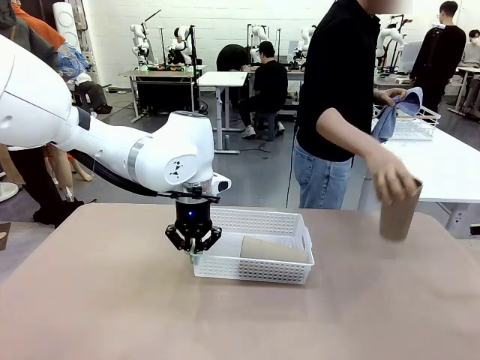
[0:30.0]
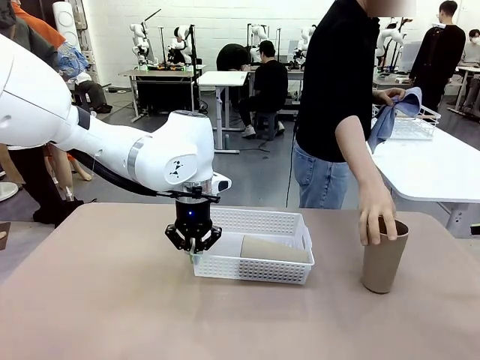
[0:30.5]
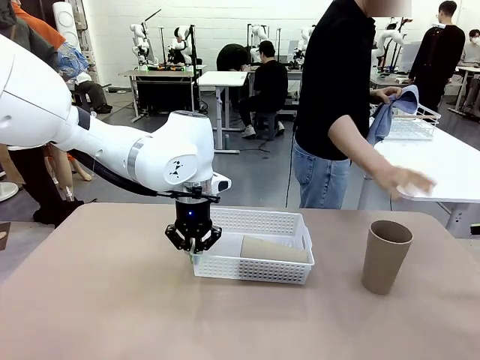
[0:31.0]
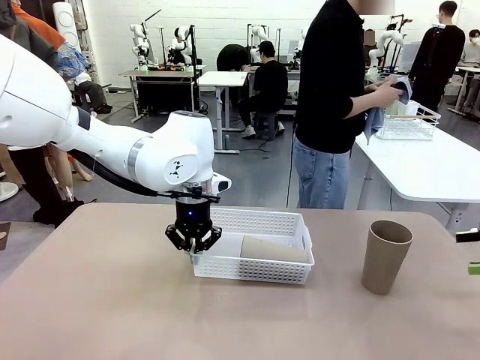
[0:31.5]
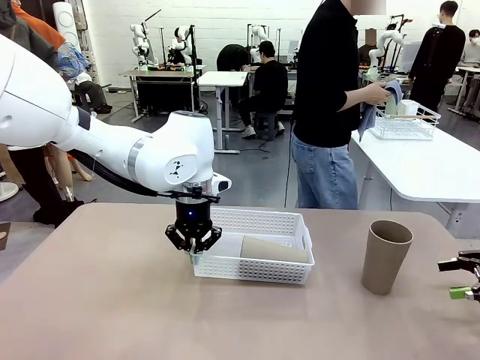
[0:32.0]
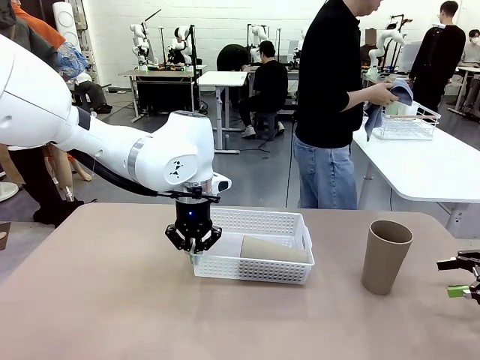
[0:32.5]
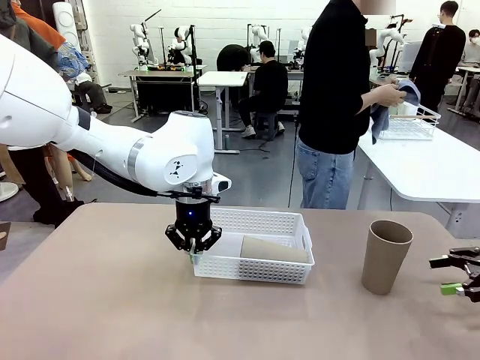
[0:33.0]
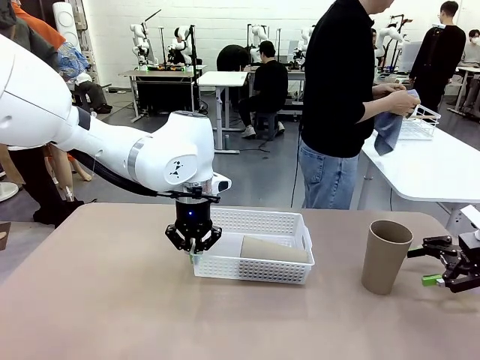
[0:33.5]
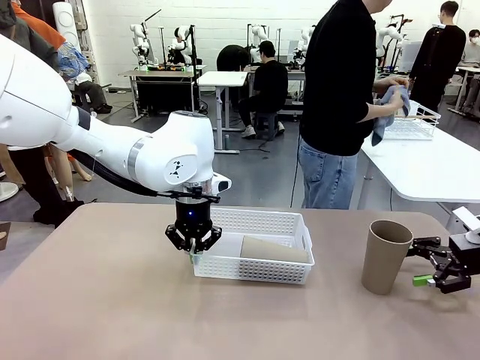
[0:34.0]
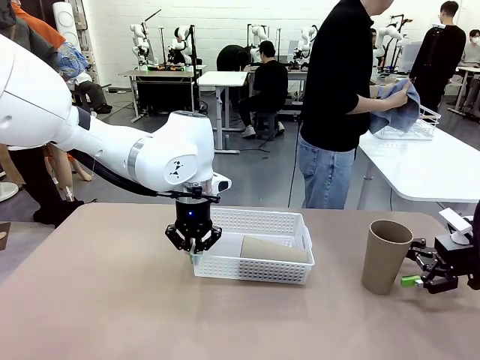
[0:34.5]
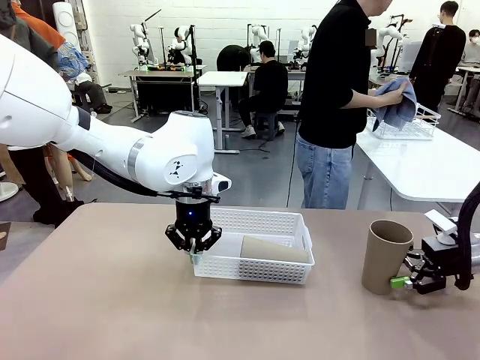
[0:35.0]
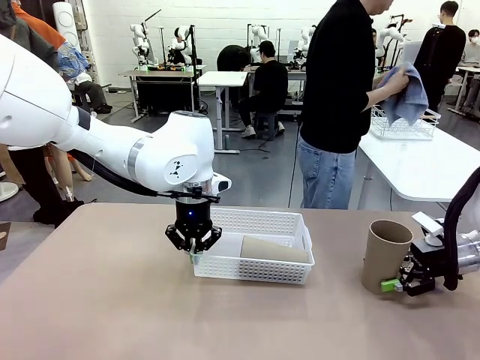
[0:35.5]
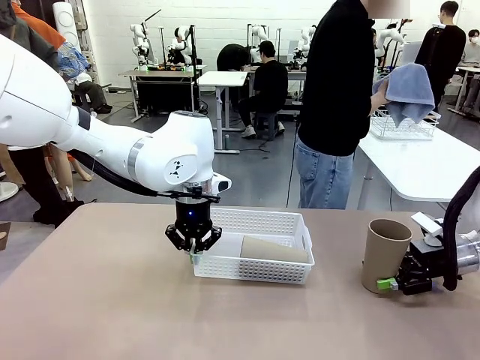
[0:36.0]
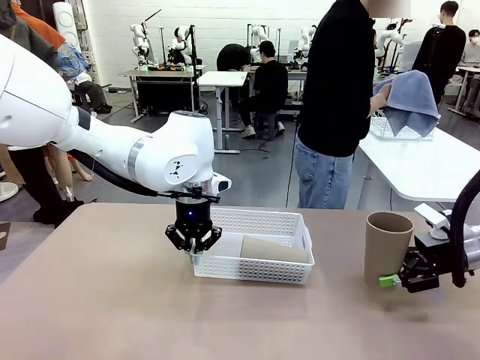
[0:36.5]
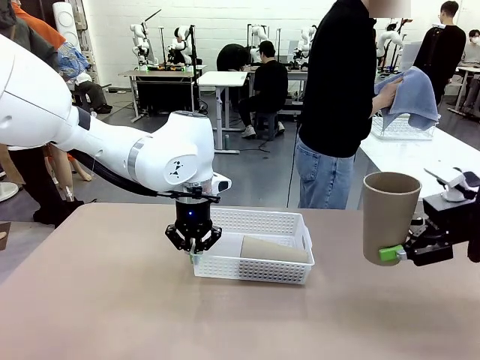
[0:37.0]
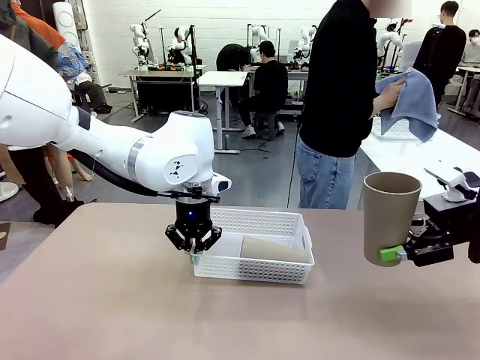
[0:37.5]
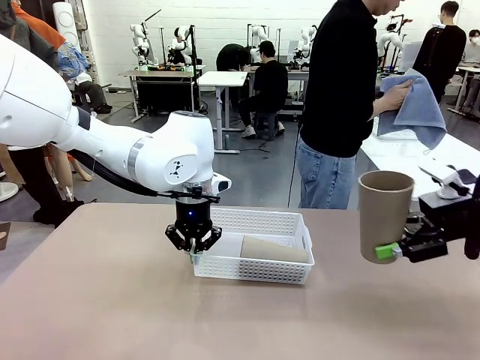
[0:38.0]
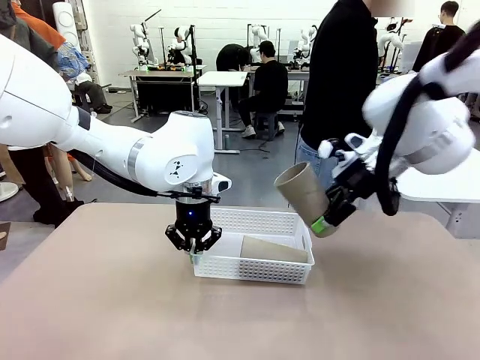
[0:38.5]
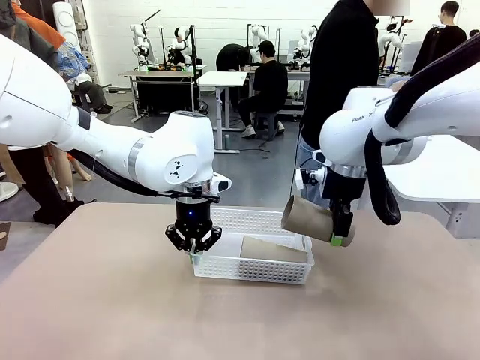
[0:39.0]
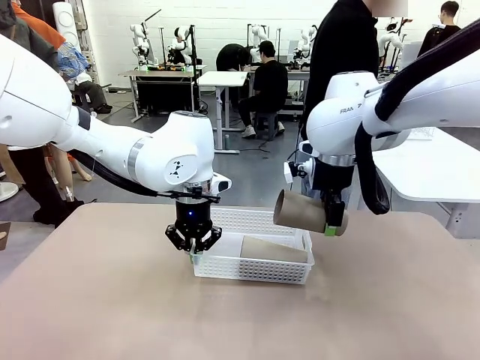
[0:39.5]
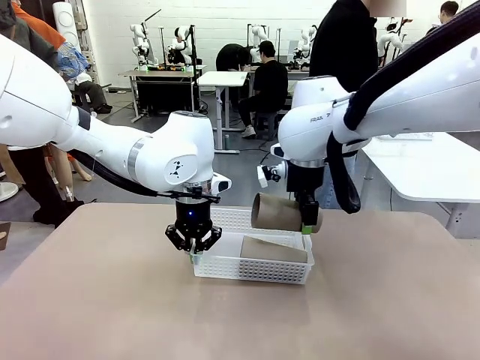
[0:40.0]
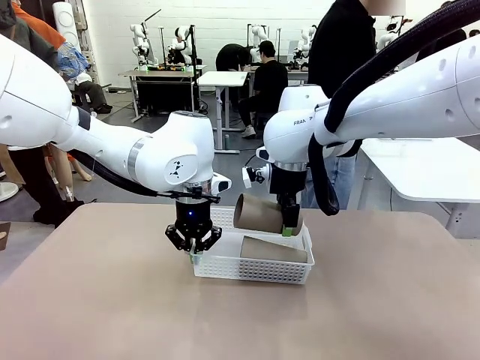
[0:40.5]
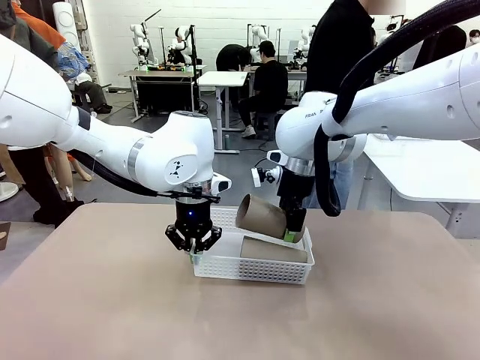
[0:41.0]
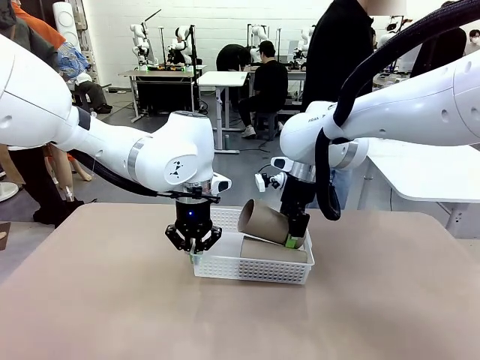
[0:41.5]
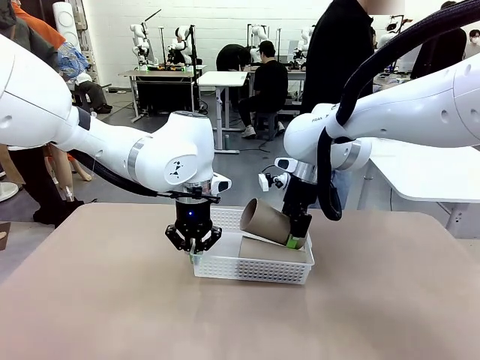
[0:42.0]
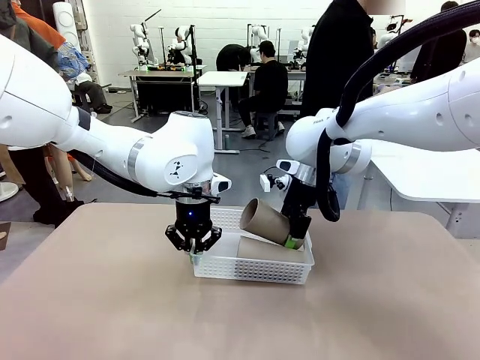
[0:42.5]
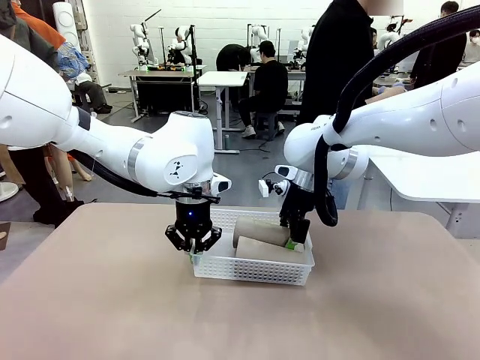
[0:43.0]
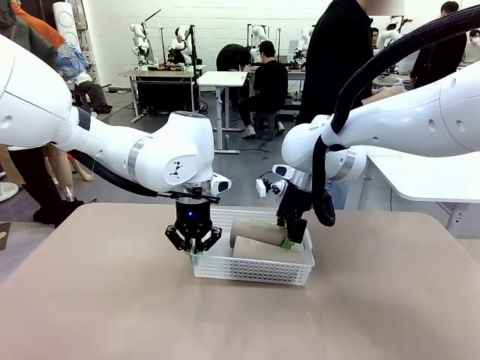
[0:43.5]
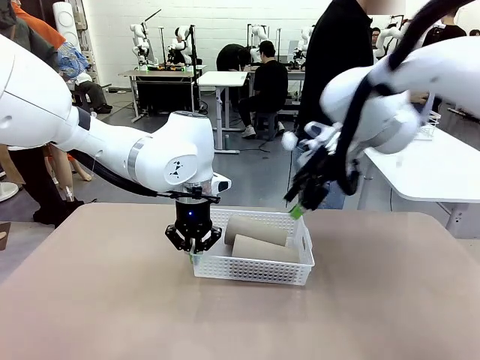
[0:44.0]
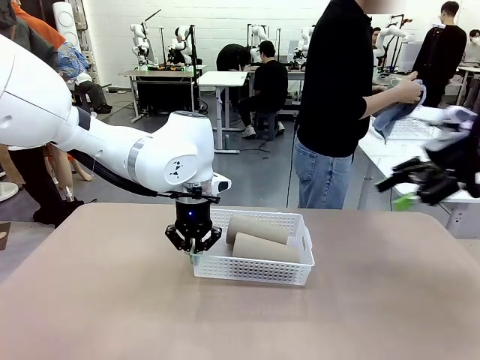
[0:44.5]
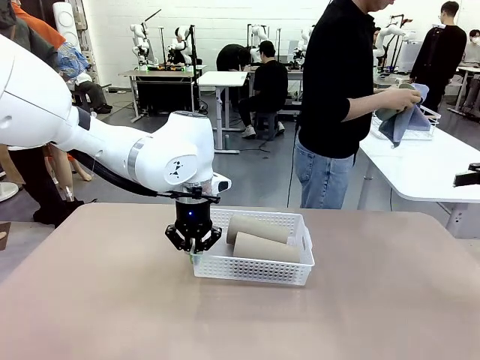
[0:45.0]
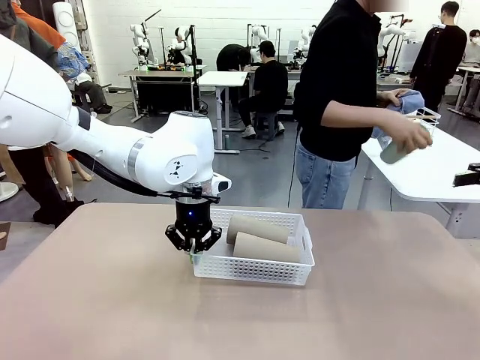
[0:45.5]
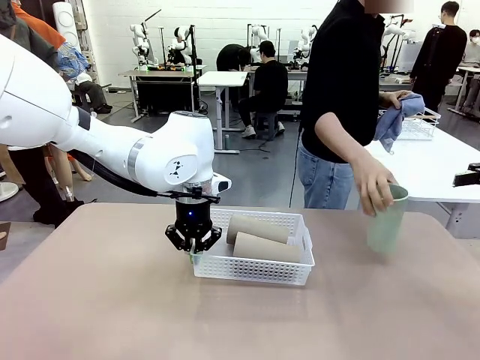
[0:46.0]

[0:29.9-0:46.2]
Task: Clean and organize the cups into the basket.
Robot: Pick up the Reusable plastic cup from the right side of the table and stack it inside the Organizing basket in the center of the table.

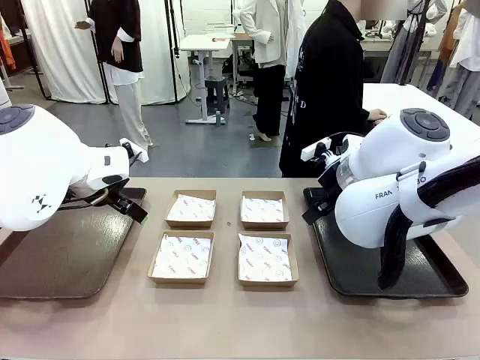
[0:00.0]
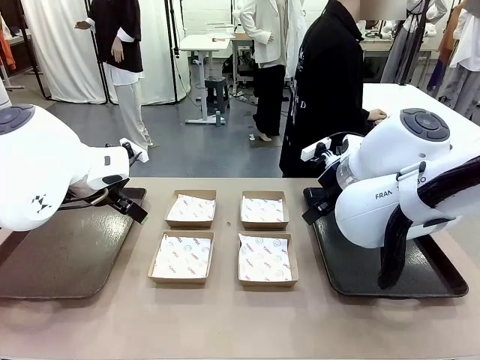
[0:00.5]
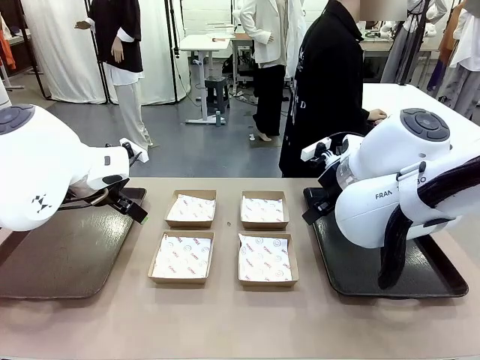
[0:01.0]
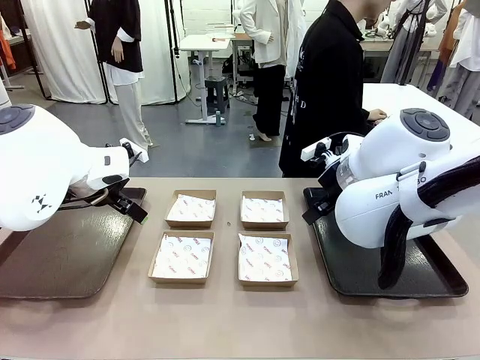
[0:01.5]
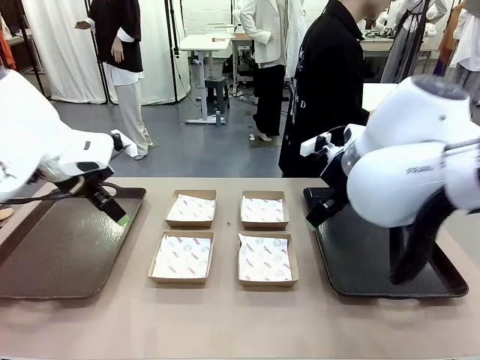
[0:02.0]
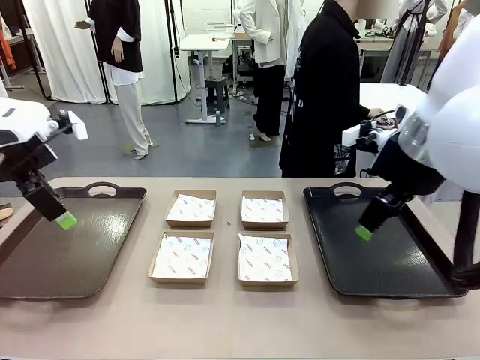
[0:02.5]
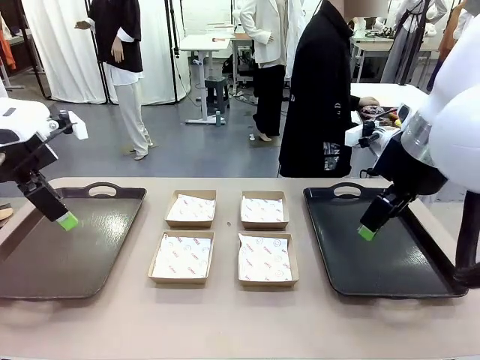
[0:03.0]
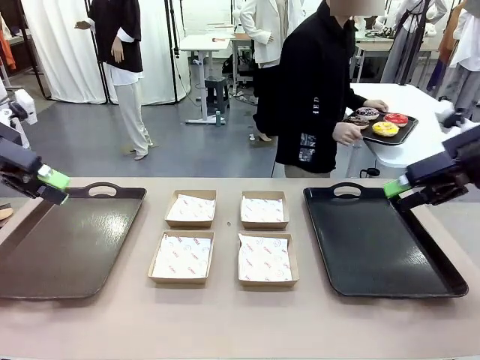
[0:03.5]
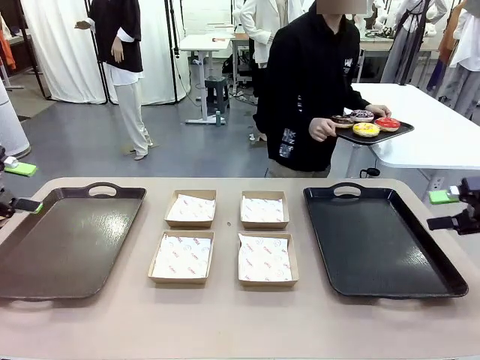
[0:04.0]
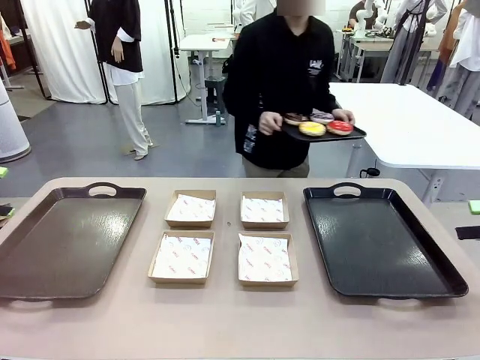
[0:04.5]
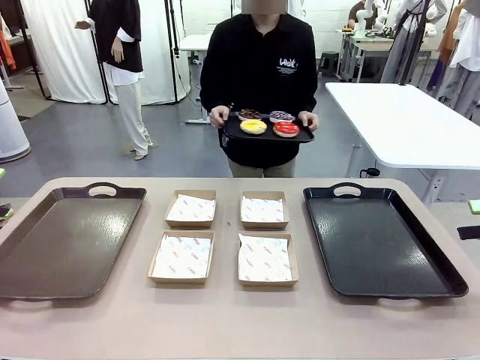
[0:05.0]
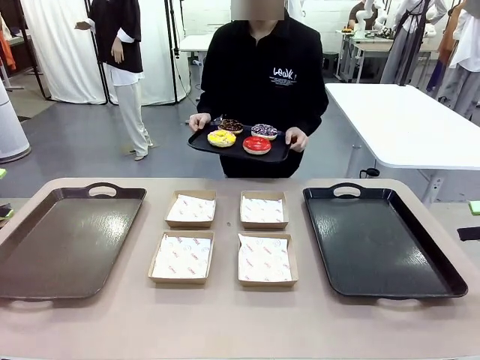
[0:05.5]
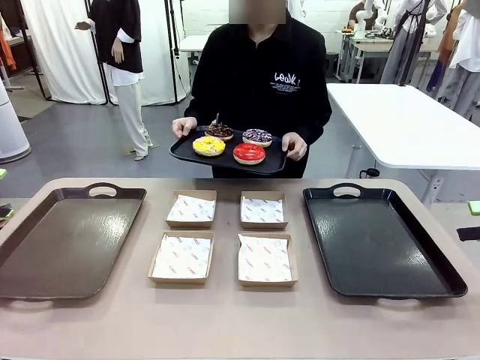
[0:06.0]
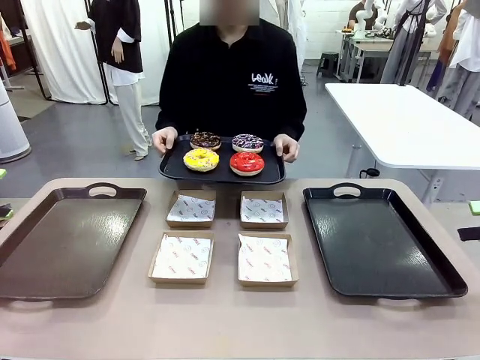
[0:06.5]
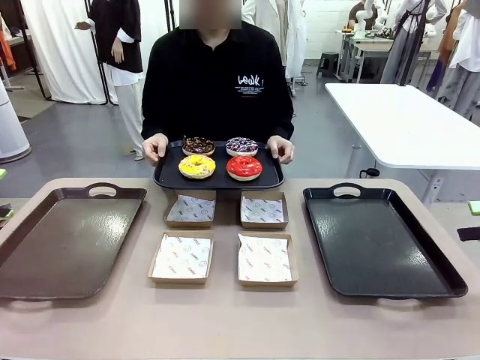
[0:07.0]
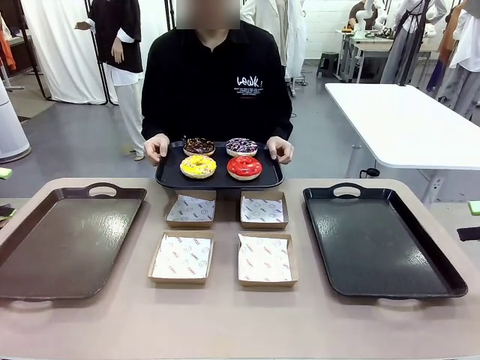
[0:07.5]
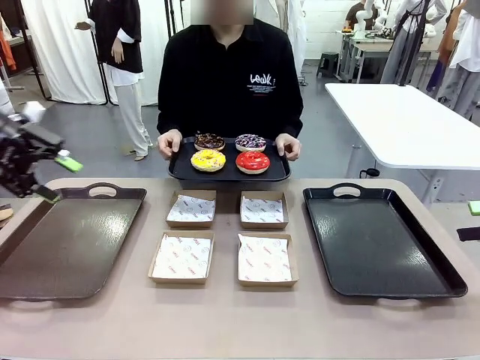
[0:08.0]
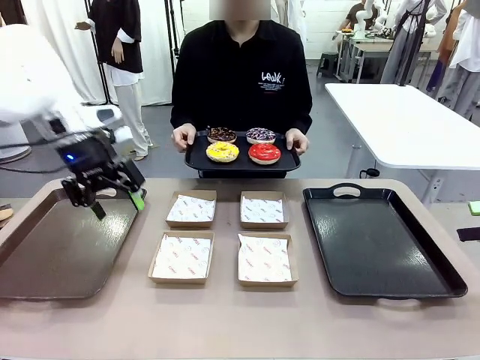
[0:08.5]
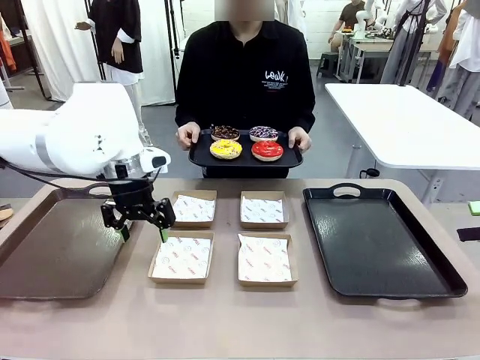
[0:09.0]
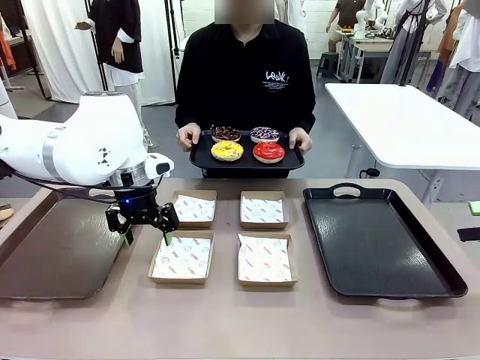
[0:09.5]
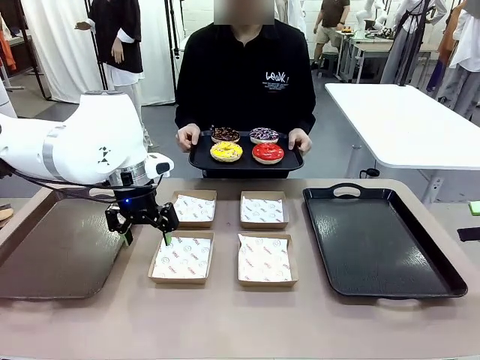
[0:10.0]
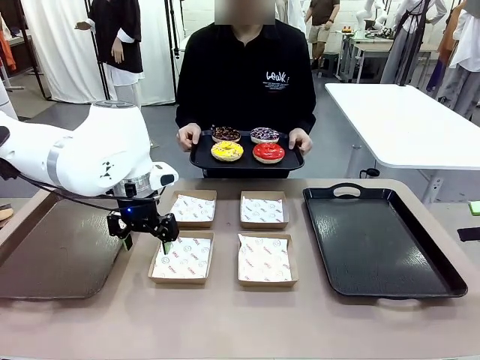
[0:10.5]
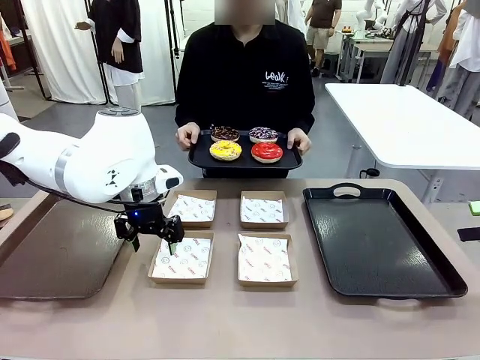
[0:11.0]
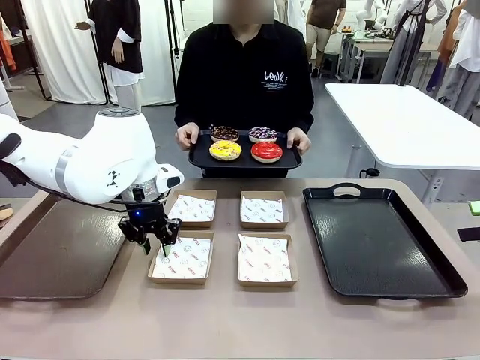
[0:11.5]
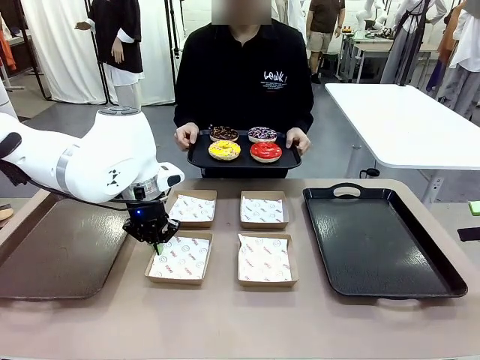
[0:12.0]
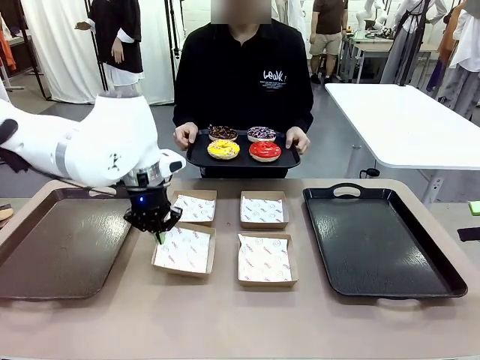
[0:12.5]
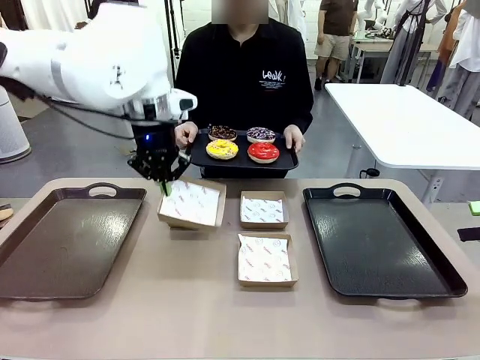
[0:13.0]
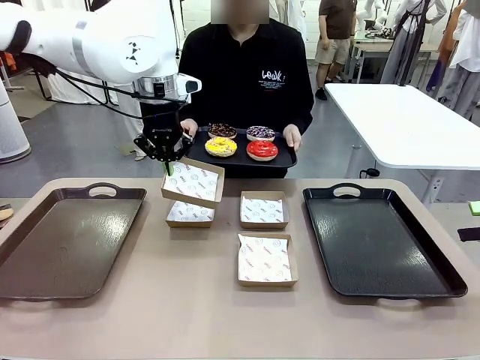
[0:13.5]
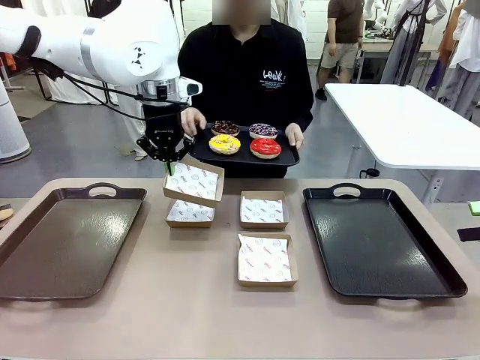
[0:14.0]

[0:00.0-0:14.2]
Task: Individually package the donuts and arrange them on the tray.
Robot: Pick up one Paper togo box.
Person: Stand in front of the robot table holding the tray containing the donuts.
